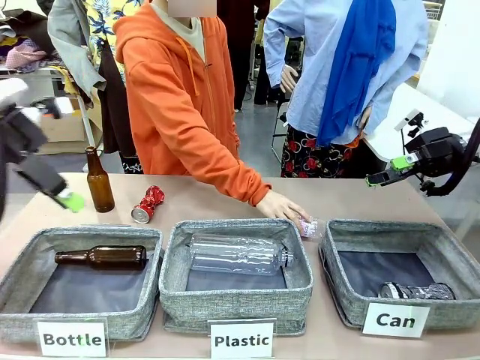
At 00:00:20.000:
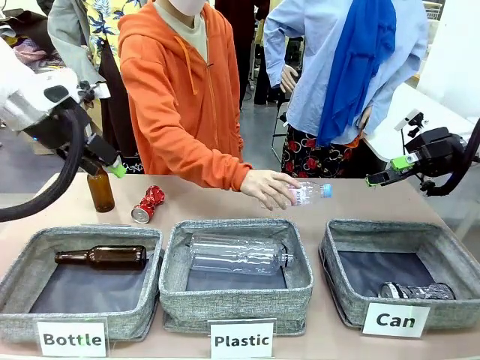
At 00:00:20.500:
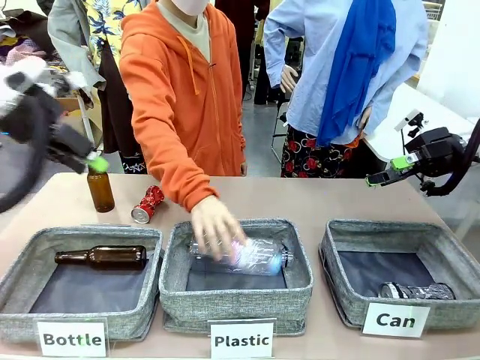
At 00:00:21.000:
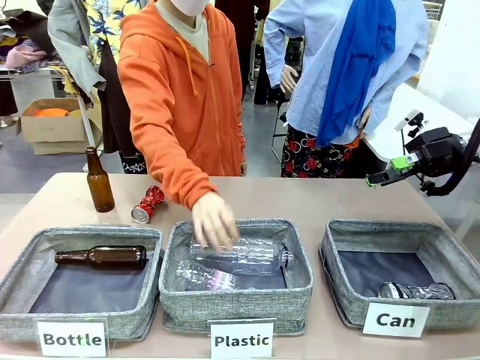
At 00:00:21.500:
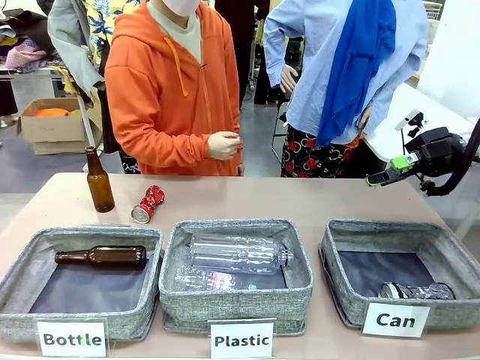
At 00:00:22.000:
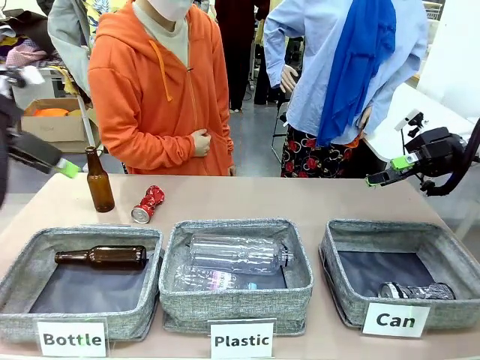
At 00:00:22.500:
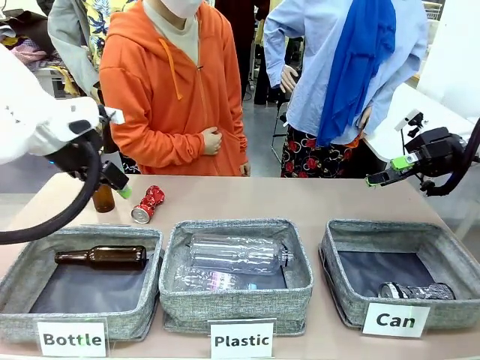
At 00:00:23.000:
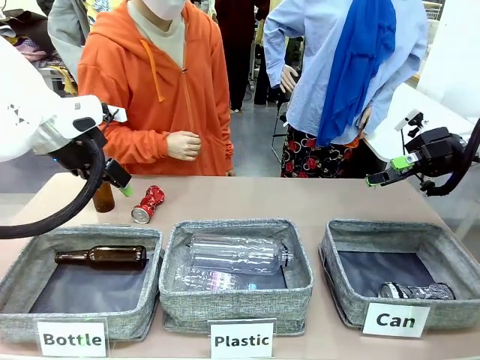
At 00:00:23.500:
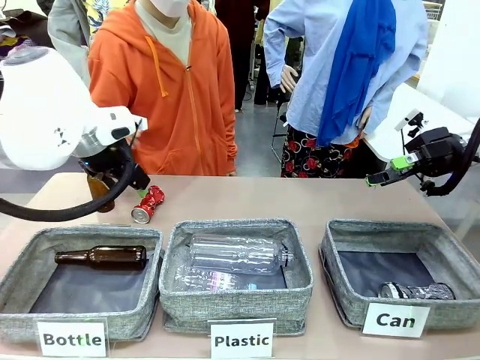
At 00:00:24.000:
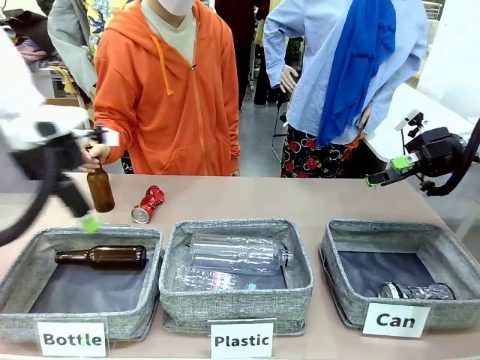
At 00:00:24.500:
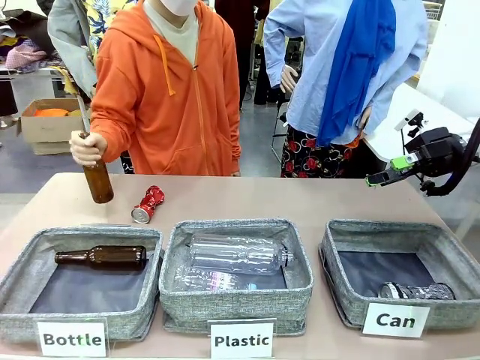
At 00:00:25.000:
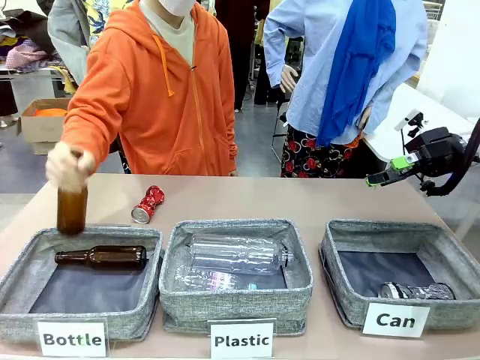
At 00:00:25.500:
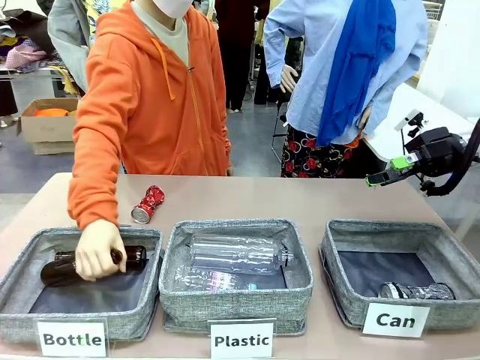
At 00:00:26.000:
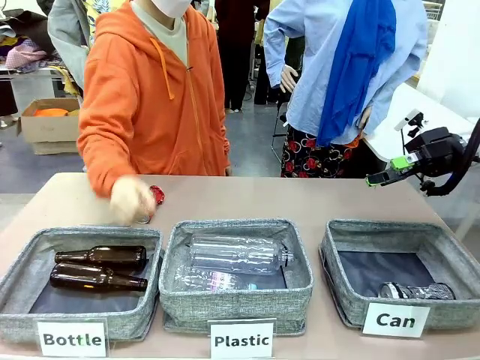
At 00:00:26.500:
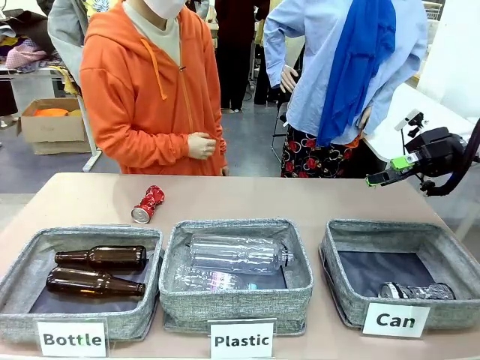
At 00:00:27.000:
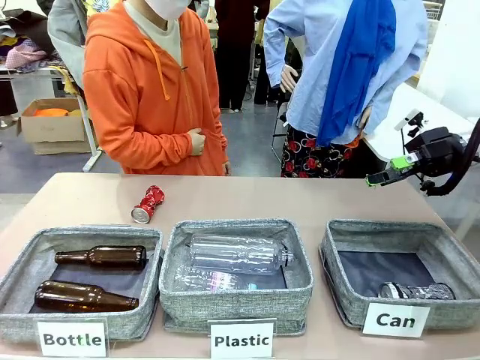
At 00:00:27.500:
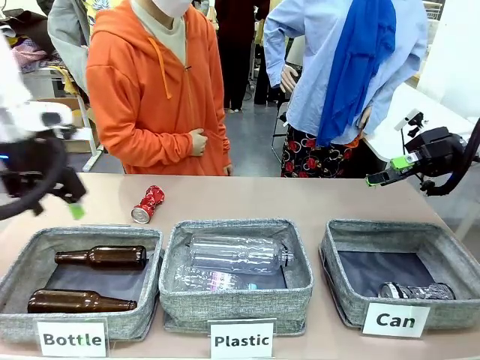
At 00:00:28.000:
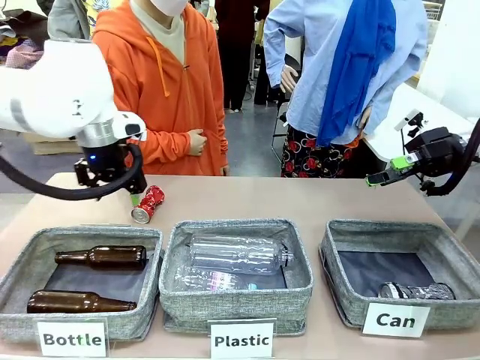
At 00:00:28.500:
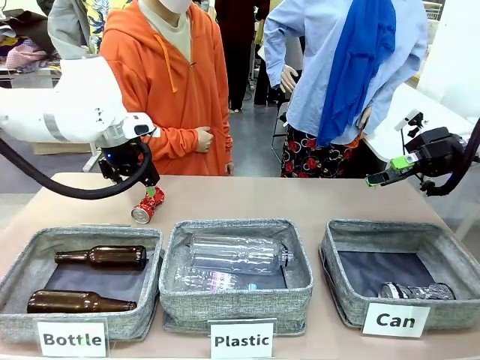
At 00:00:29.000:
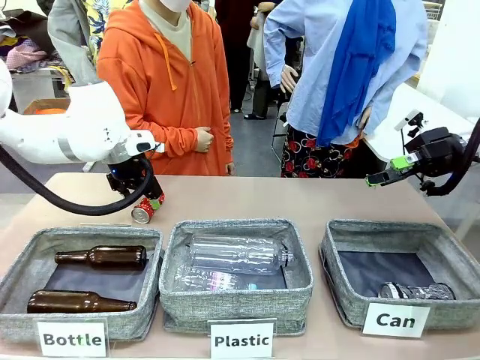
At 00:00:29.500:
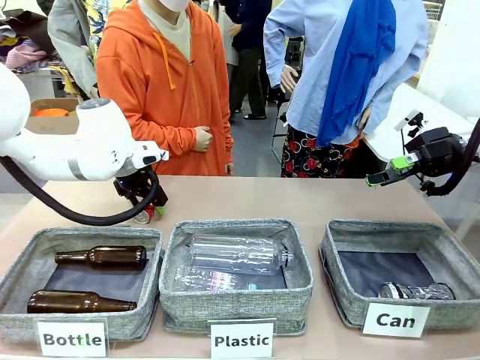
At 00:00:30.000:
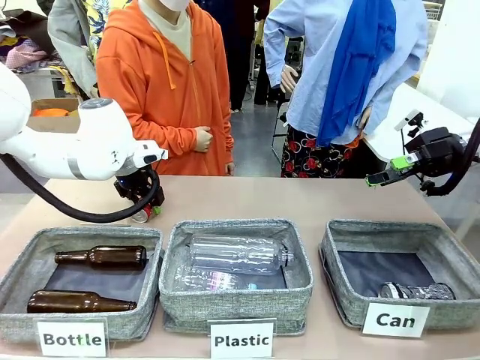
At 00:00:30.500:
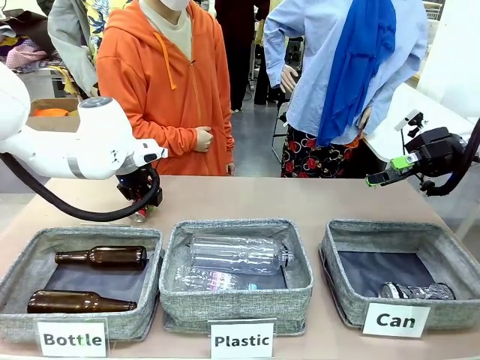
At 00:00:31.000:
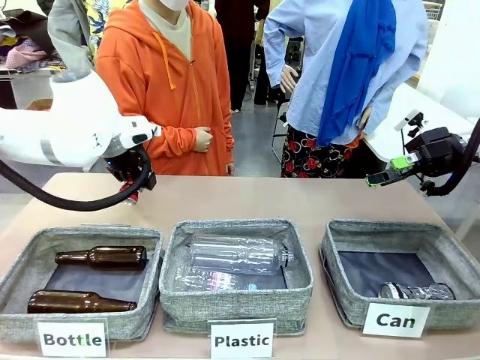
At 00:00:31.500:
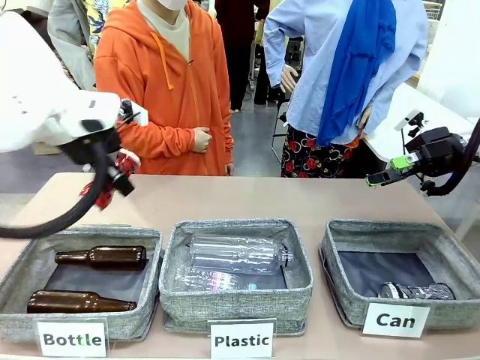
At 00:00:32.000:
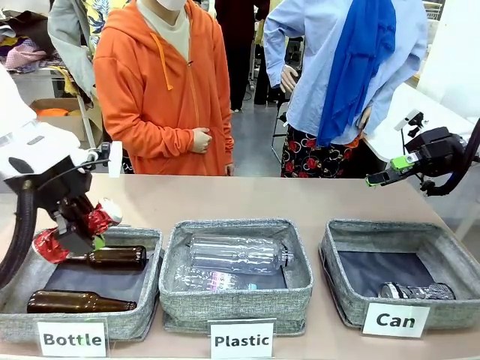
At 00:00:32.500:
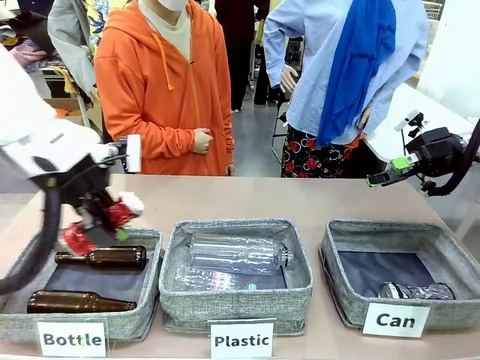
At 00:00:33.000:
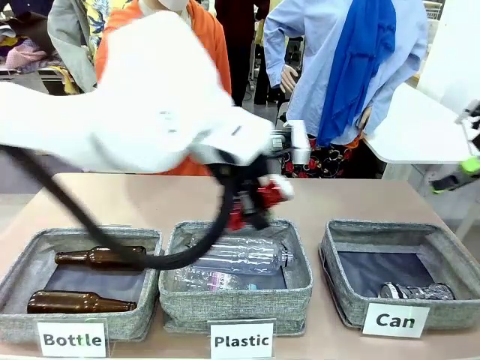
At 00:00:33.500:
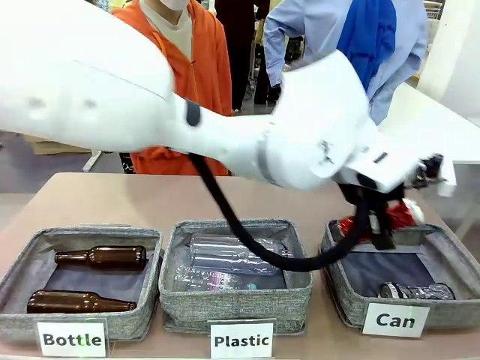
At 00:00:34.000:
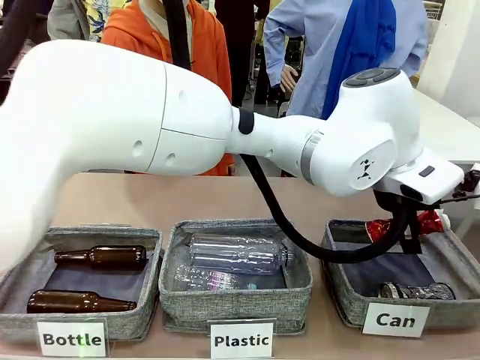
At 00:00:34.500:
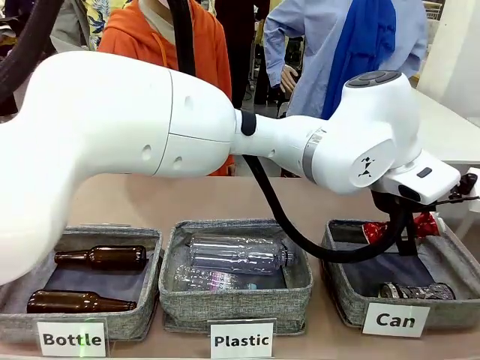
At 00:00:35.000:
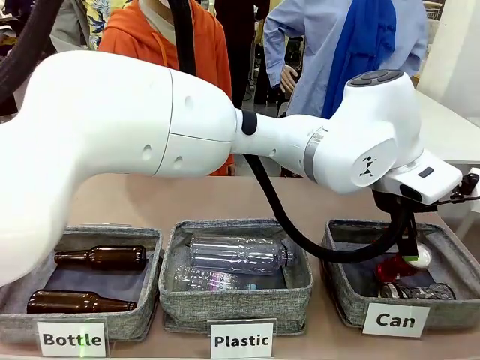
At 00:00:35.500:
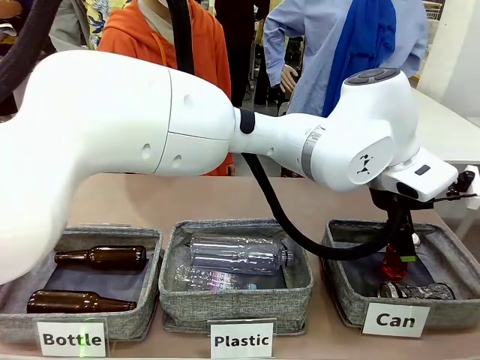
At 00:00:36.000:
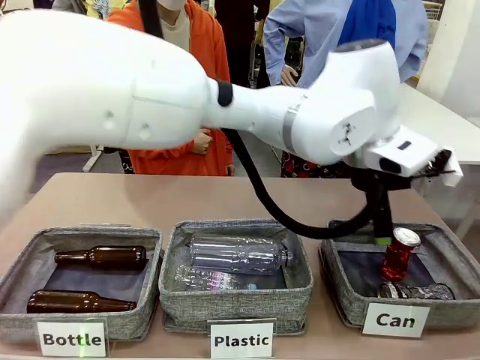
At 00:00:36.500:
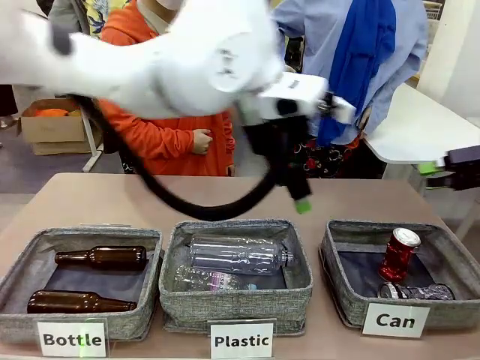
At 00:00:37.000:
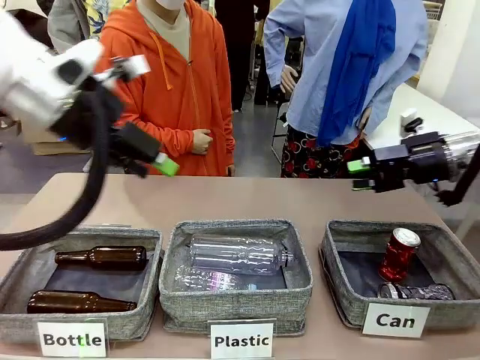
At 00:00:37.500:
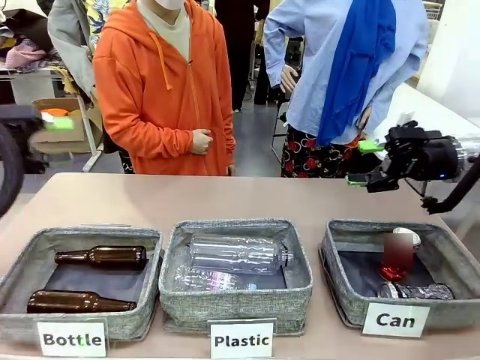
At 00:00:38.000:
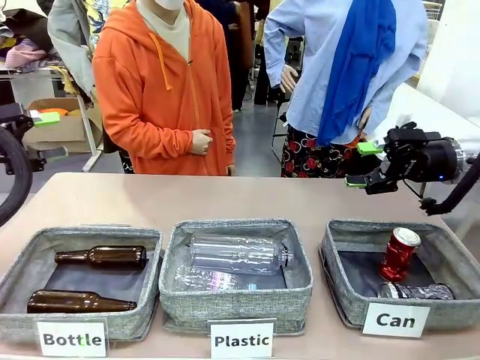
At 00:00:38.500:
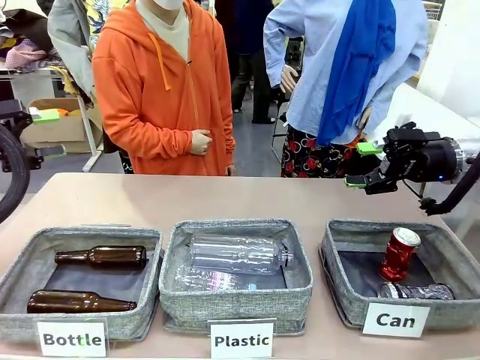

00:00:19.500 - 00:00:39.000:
Task: Sort the can waste into the basket.
Robot: Pick up the can waste from the table and place it in the right Fabric basket.
